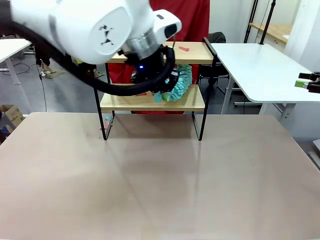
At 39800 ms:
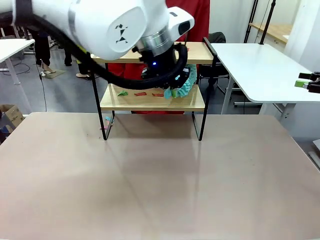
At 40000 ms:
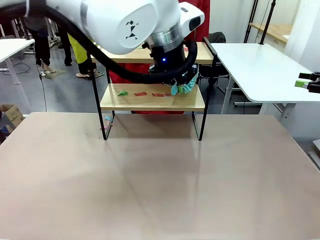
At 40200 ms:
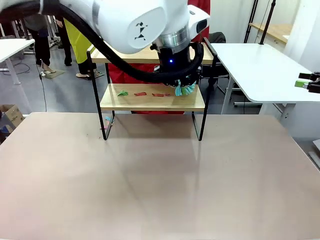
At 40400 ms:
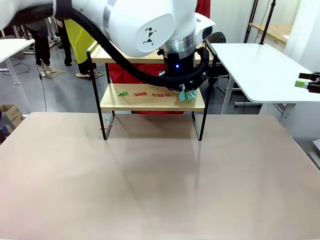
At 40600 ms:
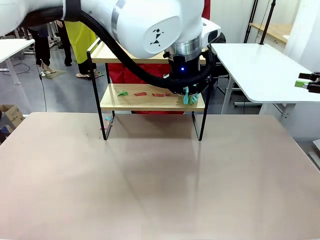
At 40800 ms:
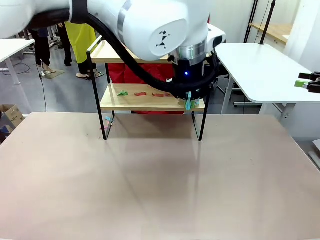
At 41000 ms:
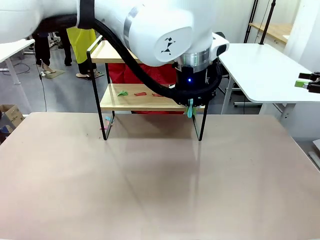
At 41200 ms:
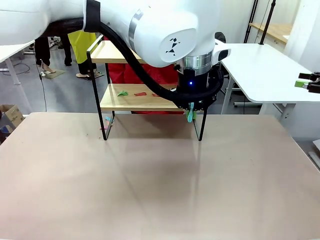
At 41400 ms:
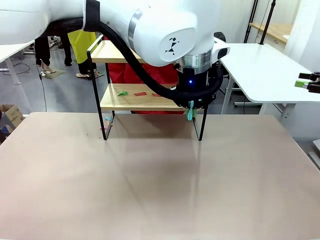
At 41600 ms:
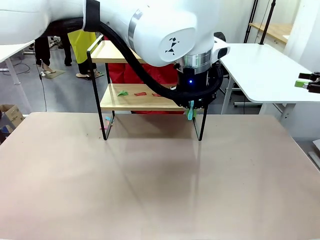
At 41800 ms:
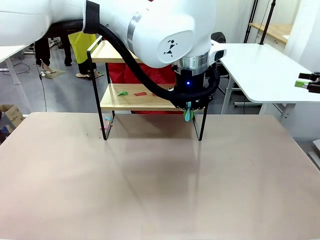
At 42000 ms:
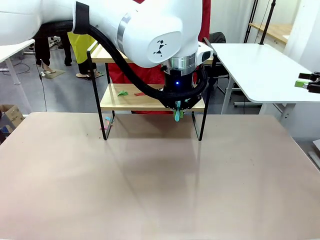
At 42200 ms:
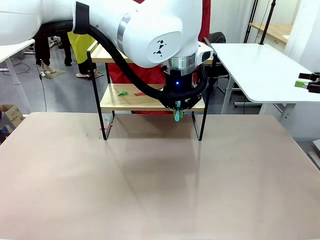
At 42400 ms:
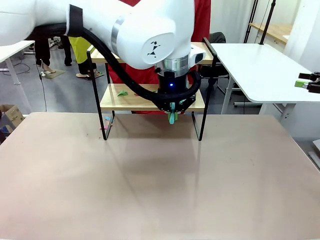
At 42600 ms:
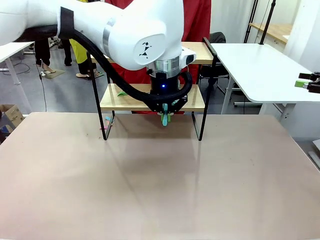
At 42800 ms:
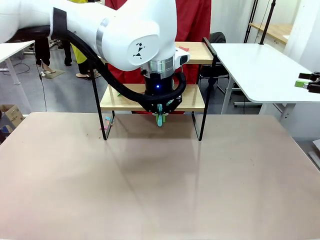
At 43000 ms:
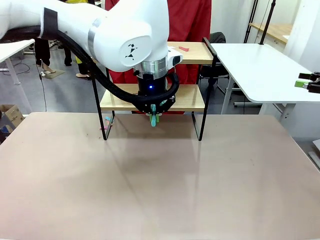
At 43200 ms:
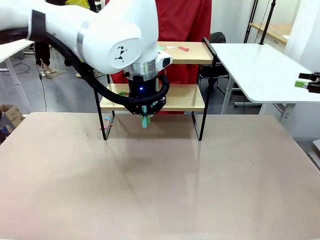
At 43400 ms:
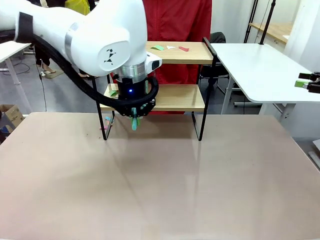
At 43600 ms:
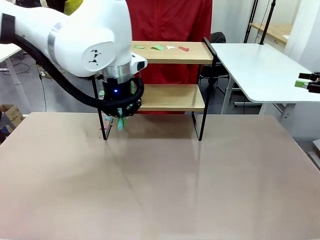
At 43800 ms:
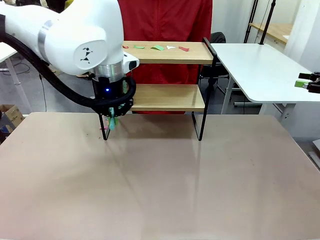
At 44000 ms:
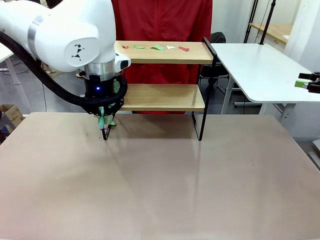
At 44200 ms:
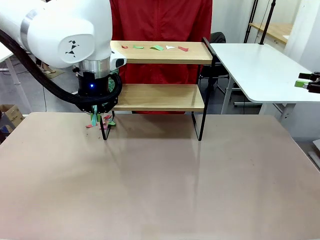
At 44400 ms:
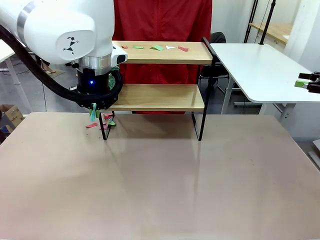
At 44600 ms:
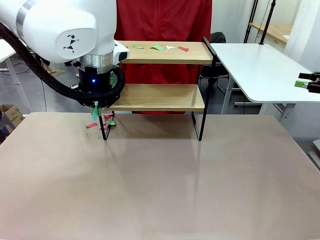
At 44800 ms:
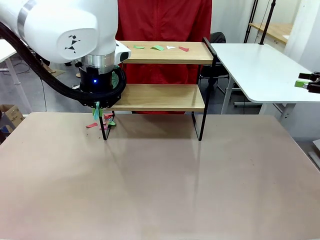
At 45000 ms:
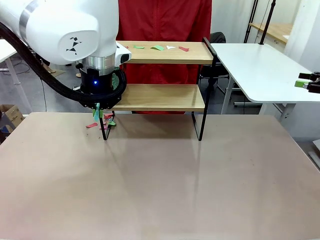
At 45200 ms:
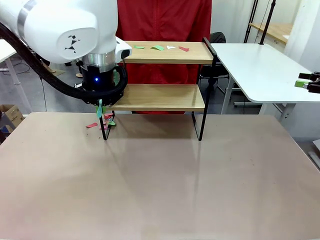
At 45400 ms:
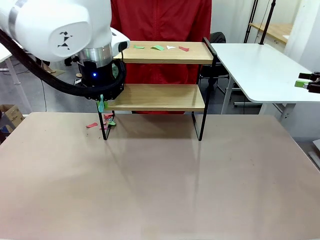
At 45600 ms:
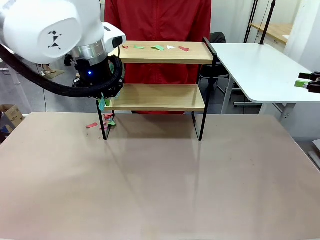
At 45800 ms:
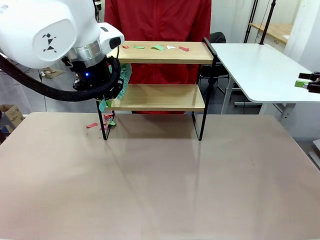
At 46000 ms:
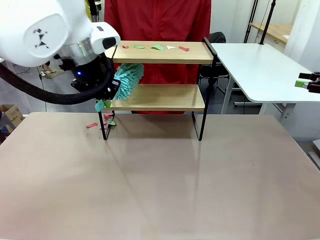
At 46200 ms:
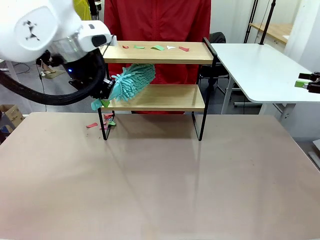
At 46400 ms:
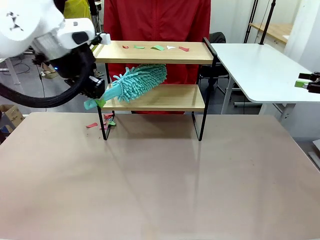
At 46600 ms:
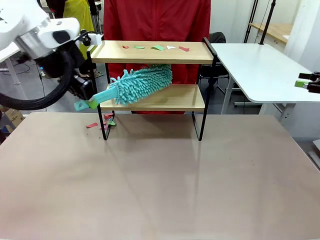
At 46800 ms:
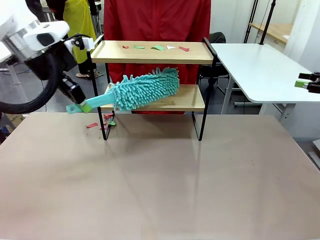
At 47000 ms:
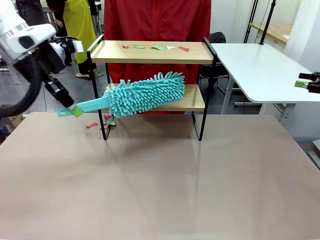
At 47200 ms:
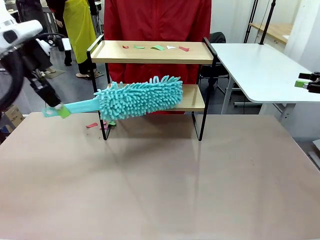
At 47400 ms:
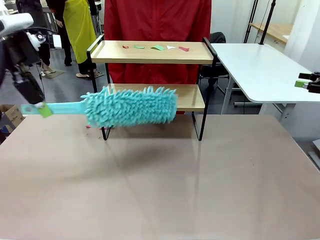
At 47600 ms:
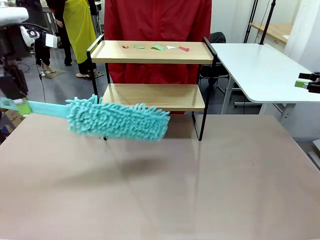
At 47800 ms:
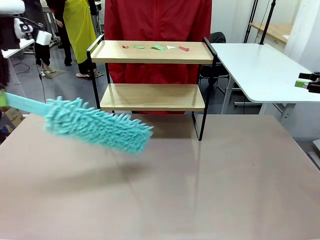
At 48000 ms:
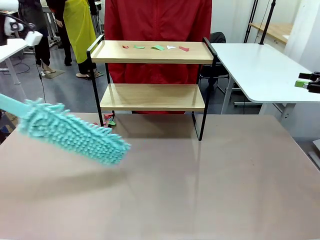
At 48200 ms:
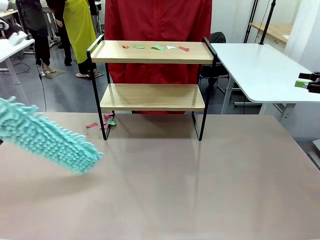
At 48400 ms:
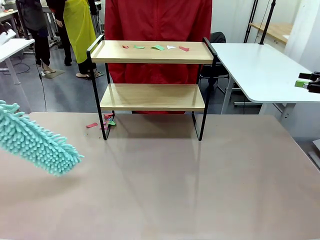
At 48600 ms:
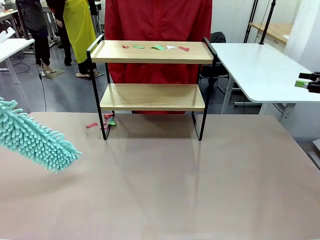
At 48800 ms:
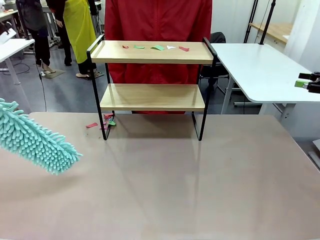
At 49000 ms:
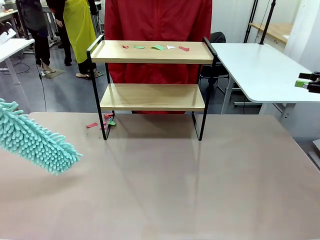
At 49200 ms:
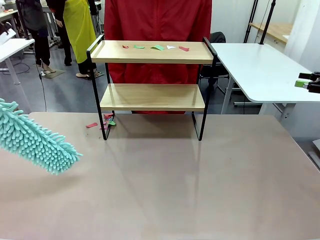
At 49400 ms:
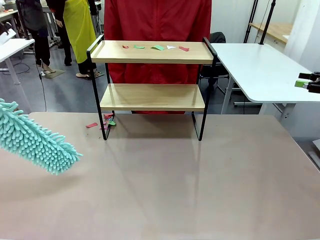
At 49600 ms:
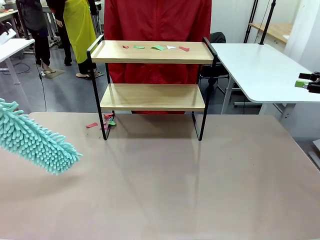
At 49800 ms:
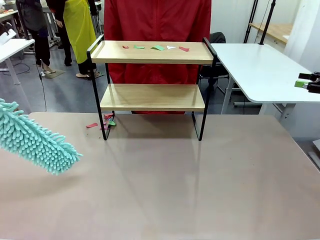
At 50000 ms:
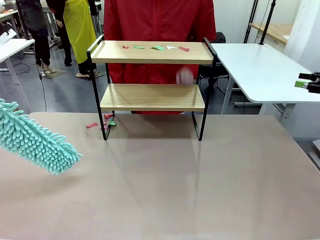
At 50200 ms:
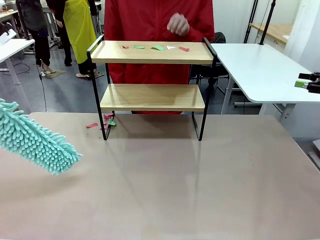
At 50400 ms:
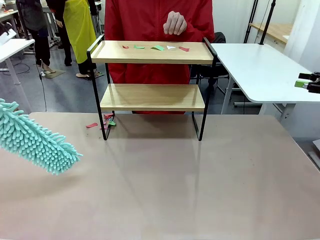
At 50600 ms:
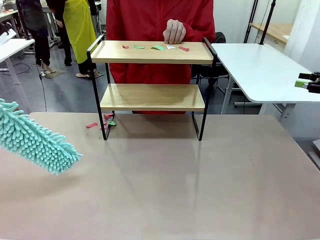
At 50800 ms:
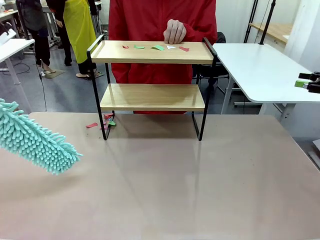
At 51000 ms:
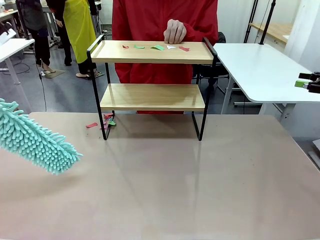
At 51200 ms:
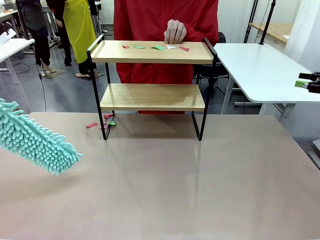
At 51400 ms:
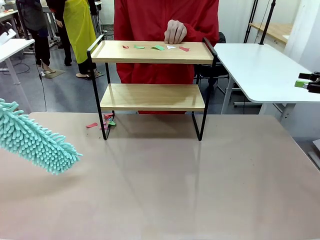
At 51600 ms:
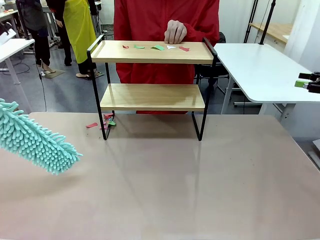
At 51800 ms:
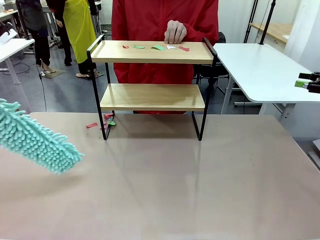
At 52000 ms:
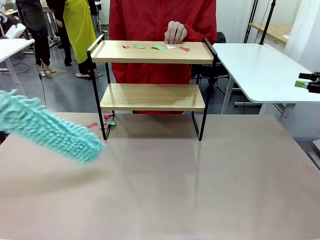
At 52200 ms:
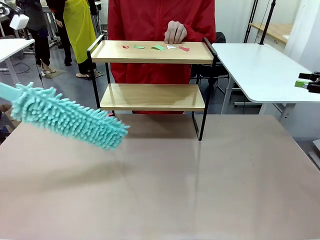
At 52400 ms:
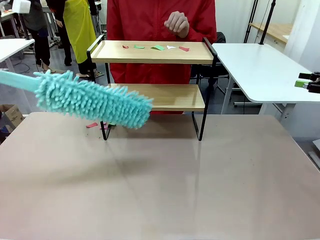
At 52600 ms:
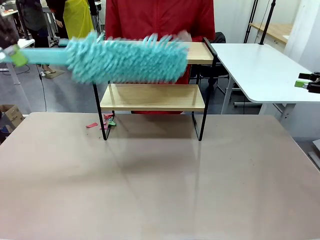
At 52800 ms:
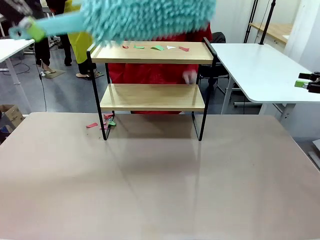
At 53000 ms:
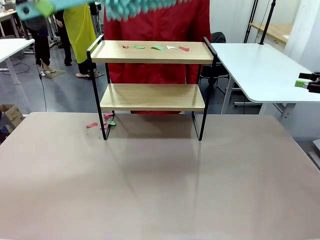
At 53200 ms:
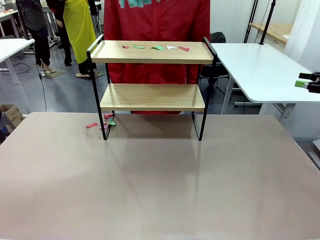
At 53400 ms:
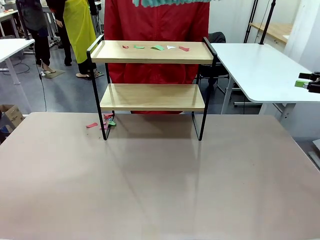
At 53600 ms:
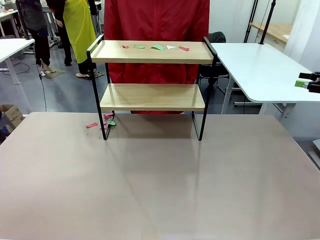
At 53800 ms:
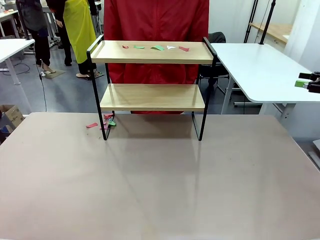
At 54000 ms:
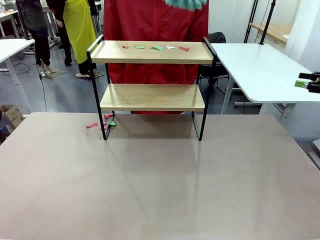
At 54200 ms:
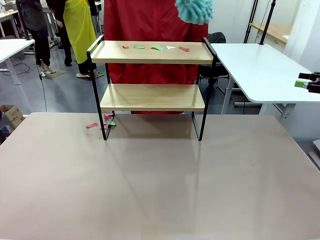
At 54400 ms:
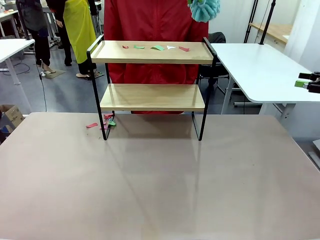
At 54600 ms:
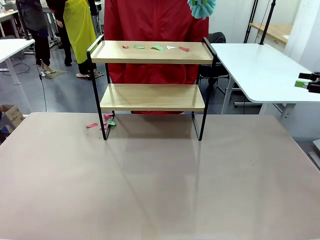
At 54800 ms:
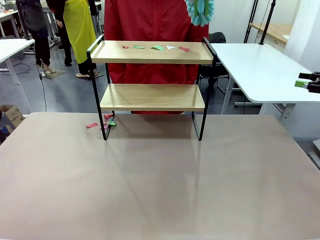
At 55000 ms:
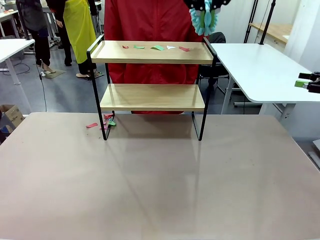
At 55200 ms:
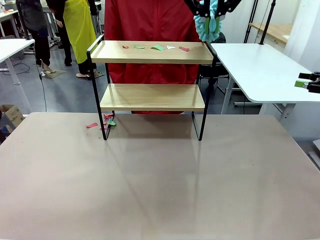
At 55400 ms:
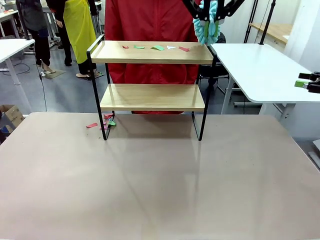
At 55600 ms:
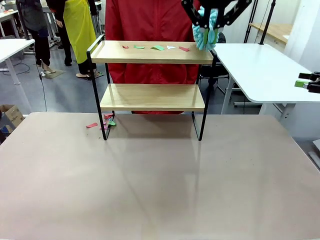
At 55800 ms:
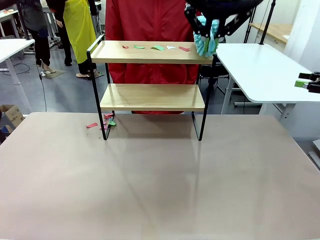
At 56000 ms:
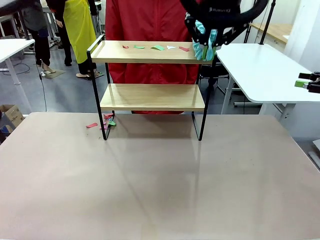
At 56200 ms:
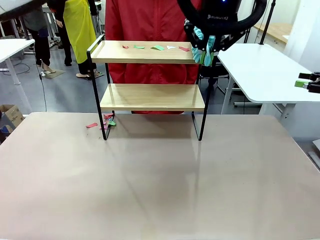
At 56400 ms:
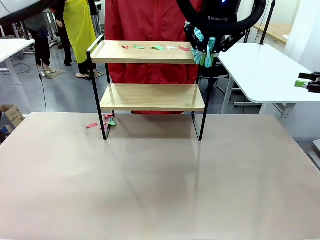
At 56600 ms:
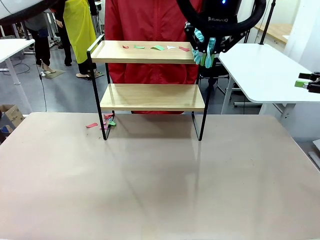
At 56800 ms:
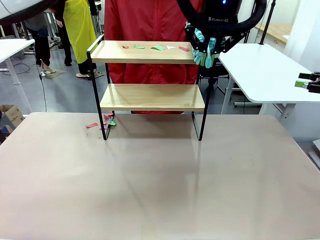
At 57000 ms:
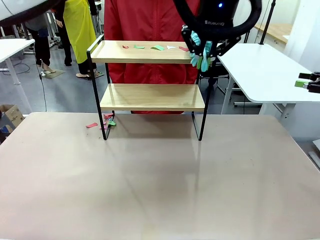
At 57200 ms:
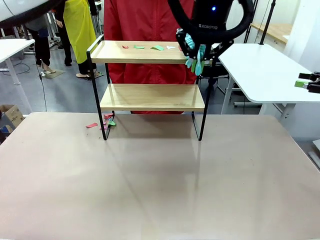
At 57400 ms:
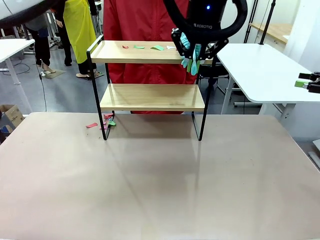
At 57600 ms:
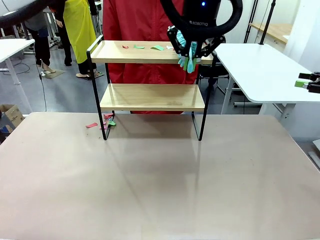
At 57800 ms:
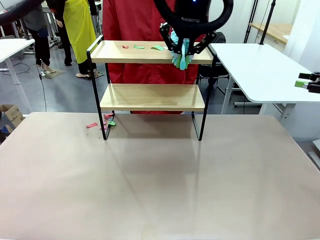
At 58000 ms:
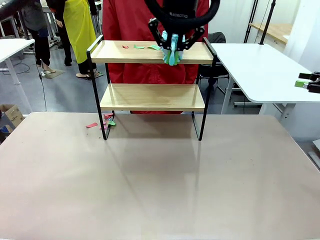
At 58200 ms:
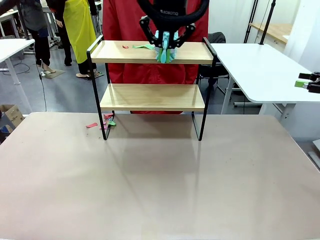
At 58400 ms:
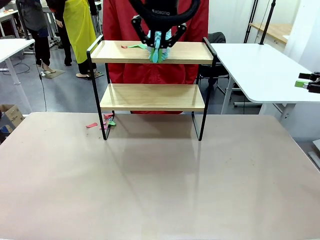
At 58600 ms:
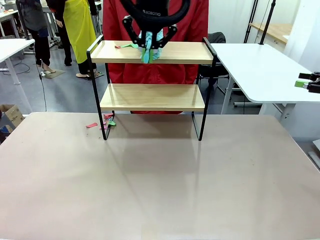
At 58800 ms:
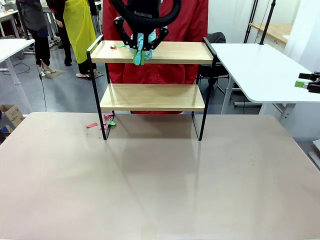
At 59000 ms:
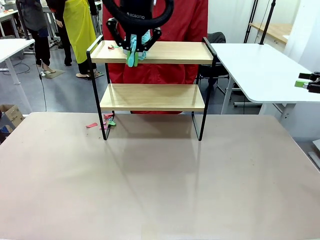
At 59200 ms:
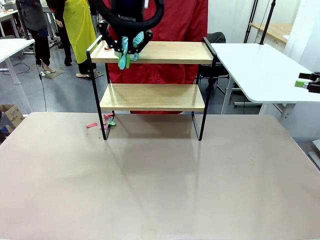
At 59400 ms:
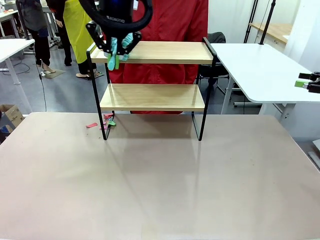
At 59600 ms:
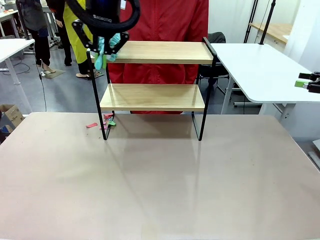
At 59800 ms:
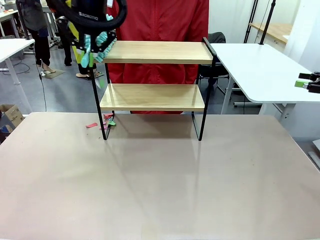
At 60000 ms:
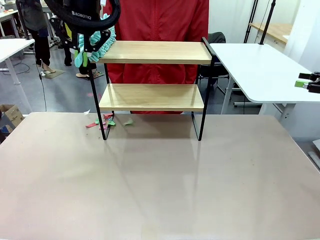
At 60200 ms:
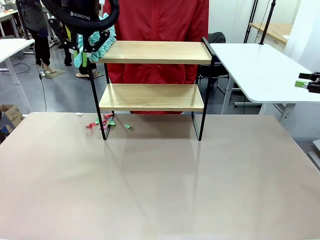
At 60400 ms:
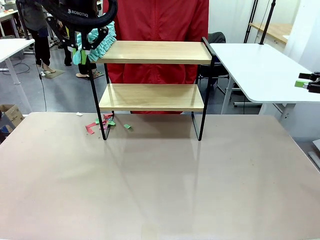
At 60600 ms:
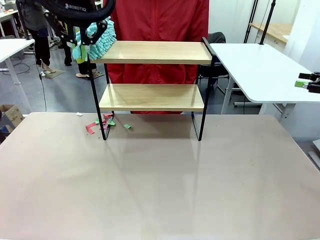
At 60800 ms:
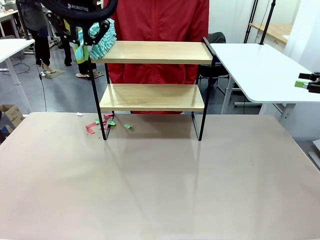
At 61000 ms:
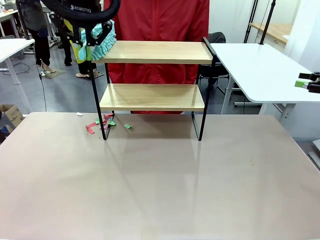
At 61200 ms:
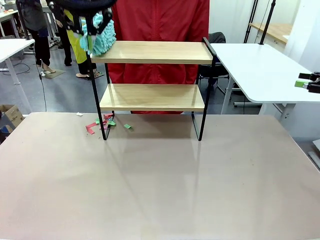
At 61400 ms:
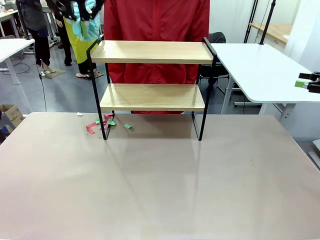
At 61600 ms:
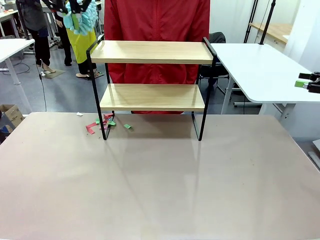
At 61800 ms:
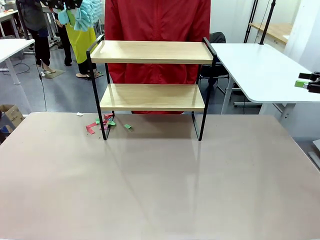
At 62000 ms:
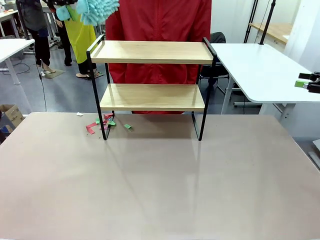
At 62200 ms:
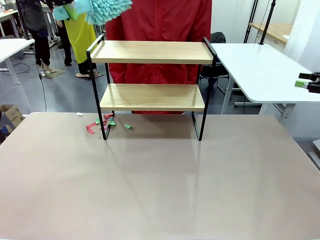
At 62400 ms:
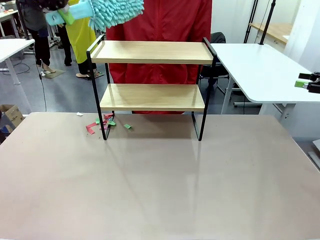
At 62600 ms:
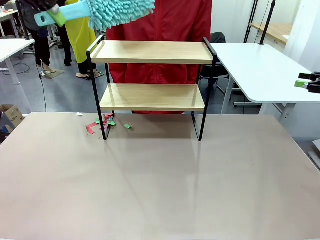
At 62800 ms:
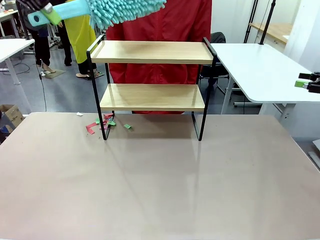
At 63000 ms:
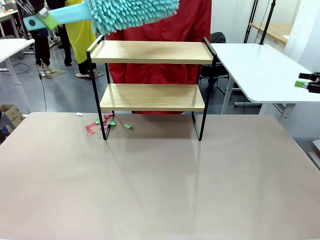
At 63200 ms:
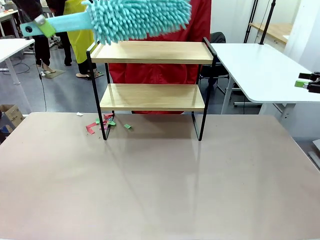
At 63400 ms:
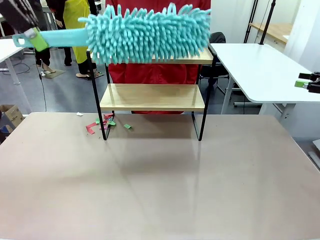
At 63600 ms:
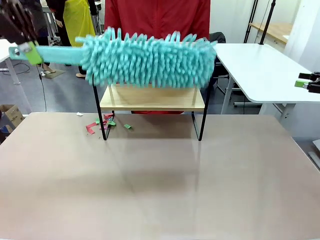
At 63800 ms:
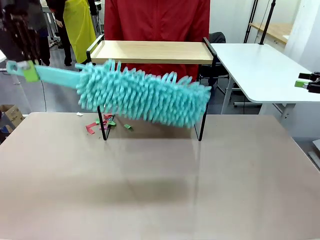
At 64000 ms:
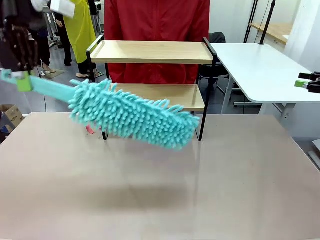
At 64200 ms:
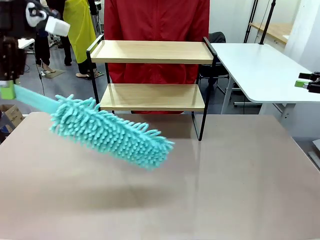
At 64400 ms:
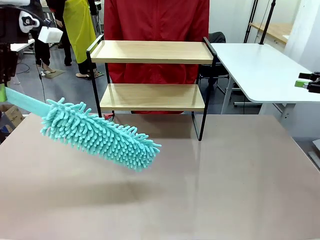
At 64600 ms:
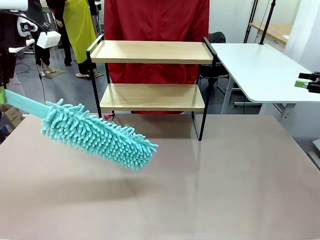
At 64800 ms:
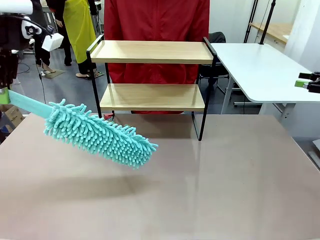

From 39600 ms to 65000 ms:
Task: Clean the shelf.
Robot: Clean the specific section of the Shelf indicated by the human with the Duster.
Person: Point a remaining section of the Shelf.
